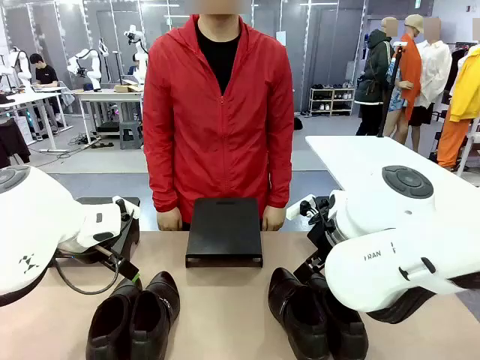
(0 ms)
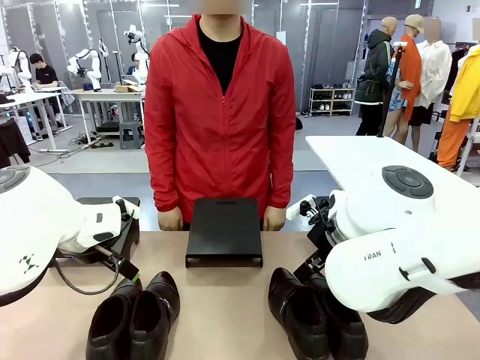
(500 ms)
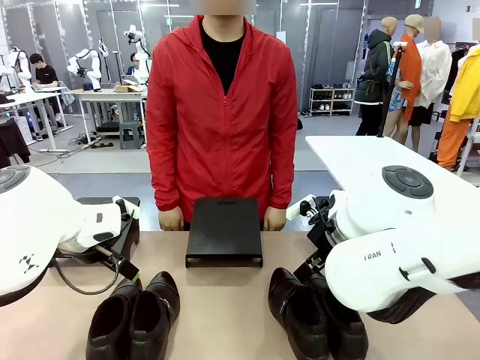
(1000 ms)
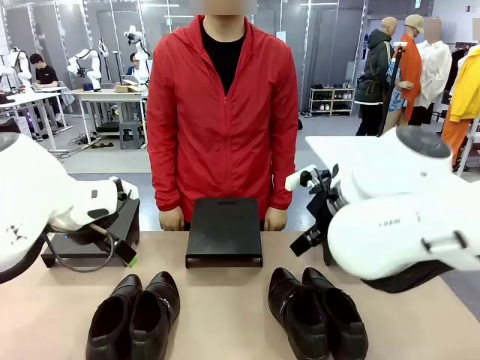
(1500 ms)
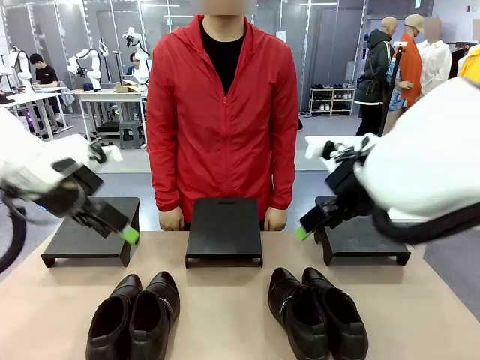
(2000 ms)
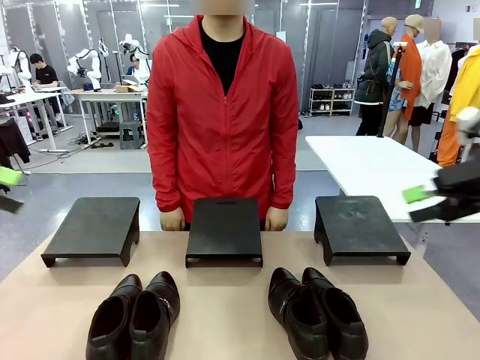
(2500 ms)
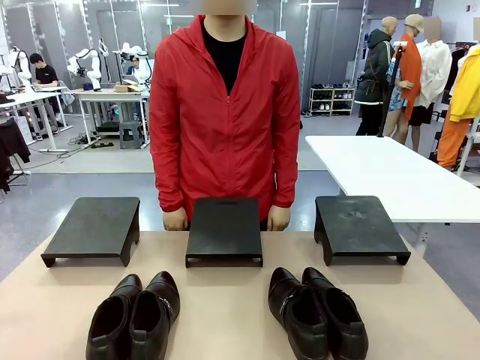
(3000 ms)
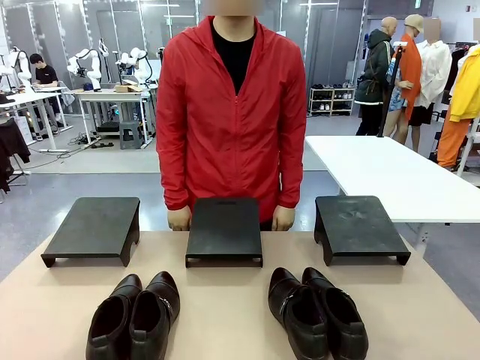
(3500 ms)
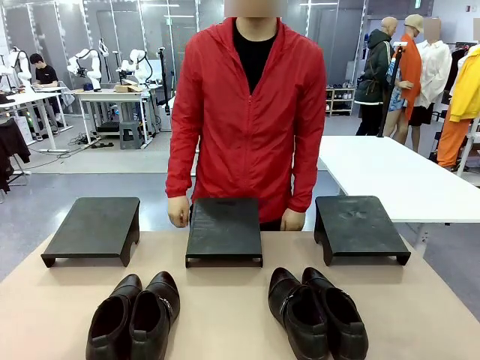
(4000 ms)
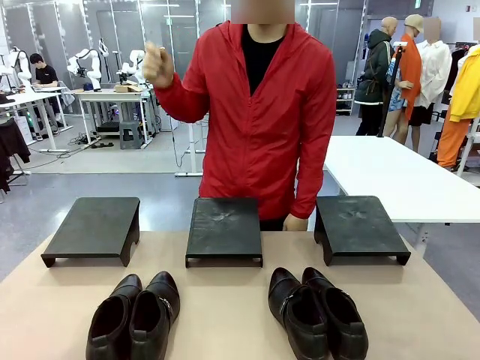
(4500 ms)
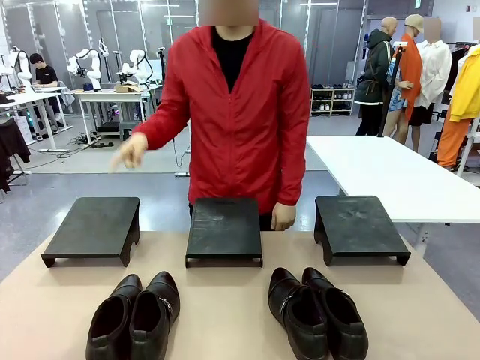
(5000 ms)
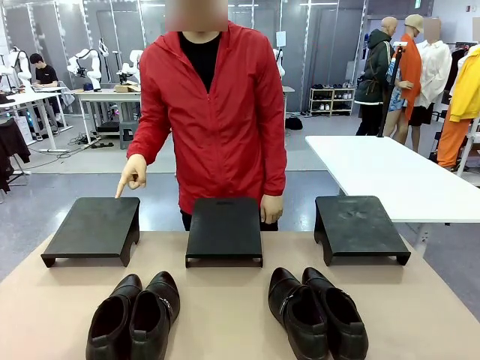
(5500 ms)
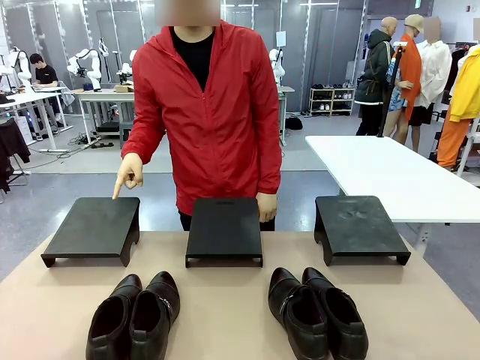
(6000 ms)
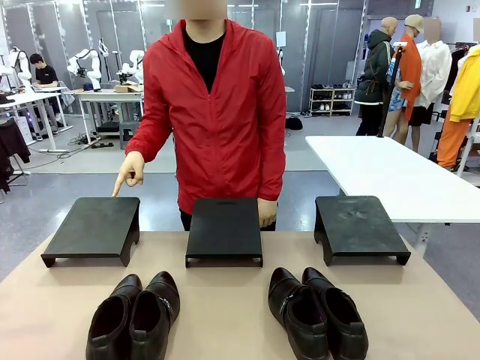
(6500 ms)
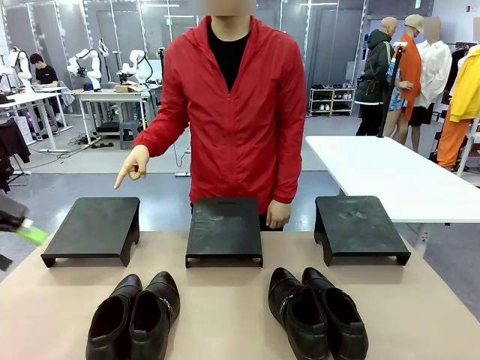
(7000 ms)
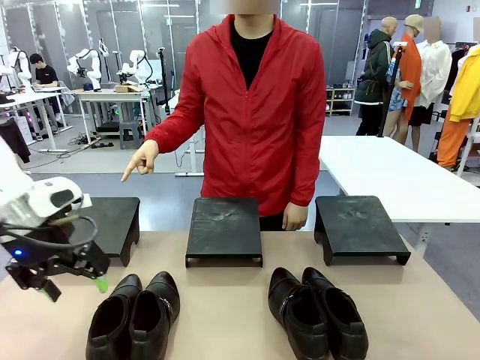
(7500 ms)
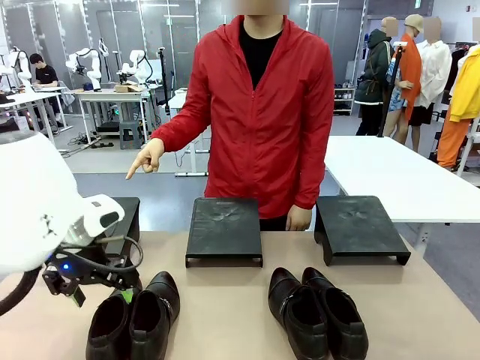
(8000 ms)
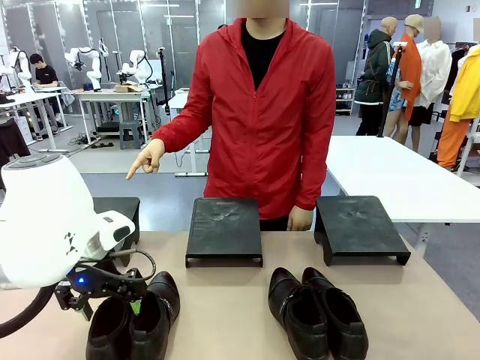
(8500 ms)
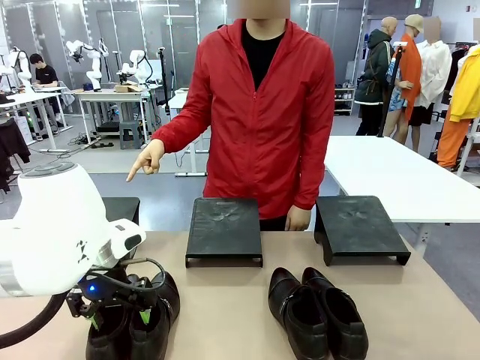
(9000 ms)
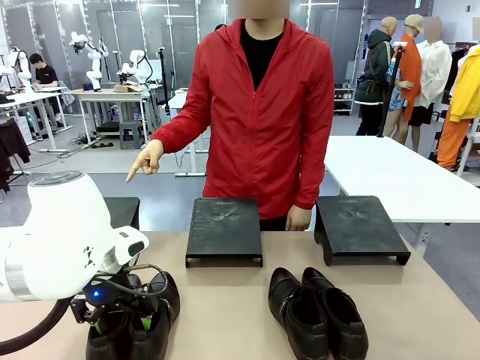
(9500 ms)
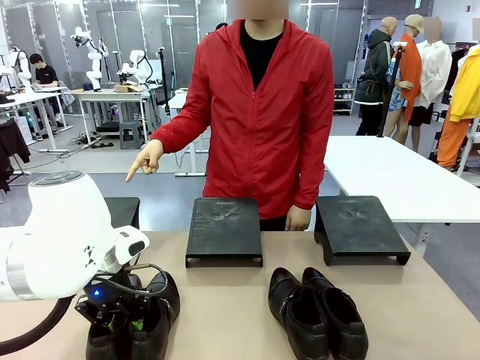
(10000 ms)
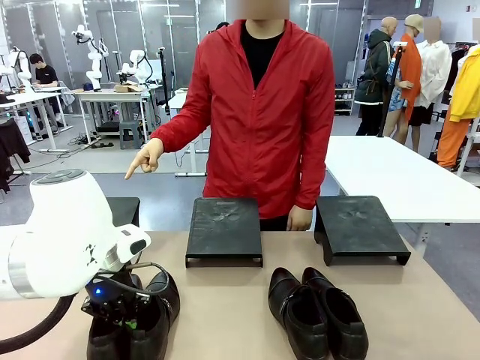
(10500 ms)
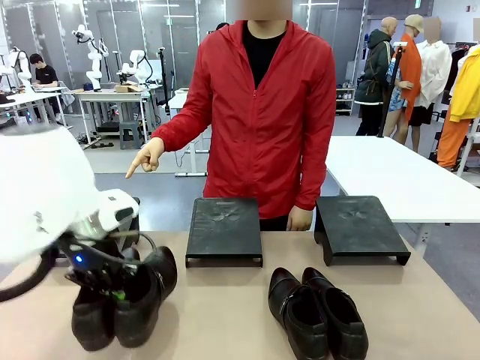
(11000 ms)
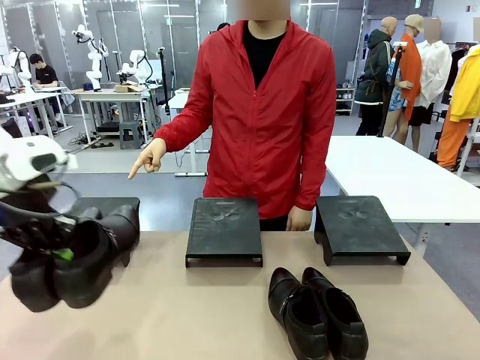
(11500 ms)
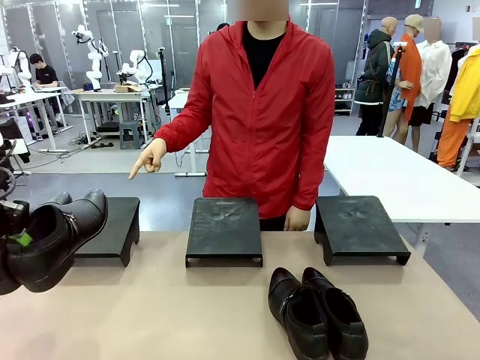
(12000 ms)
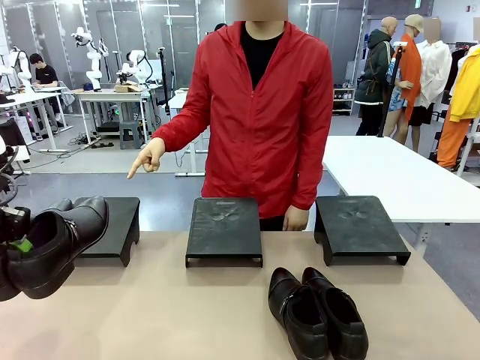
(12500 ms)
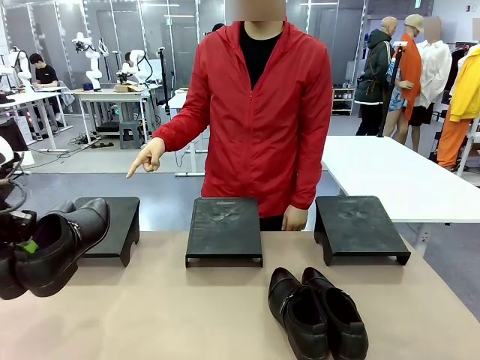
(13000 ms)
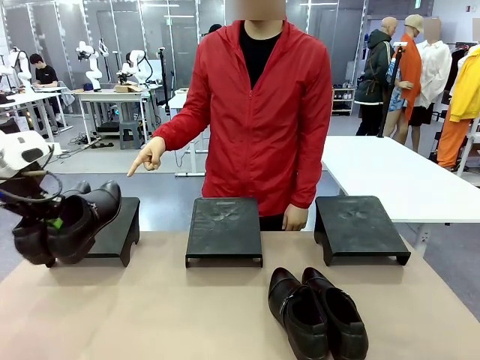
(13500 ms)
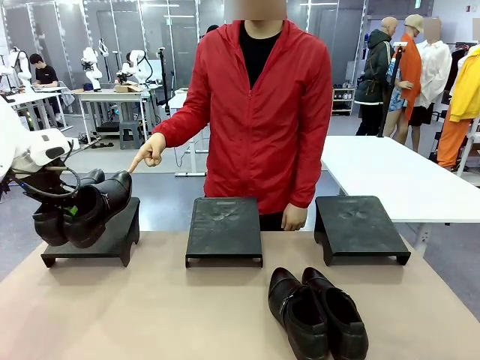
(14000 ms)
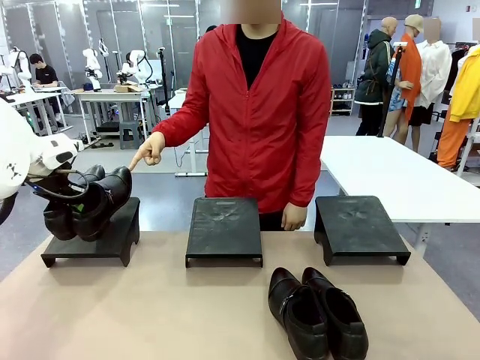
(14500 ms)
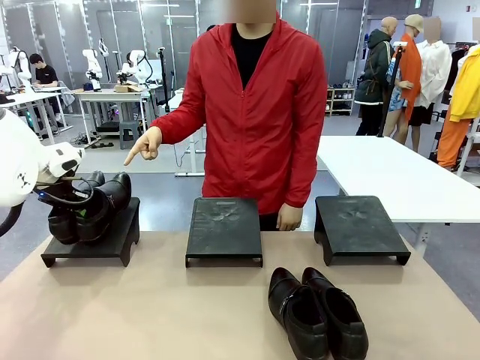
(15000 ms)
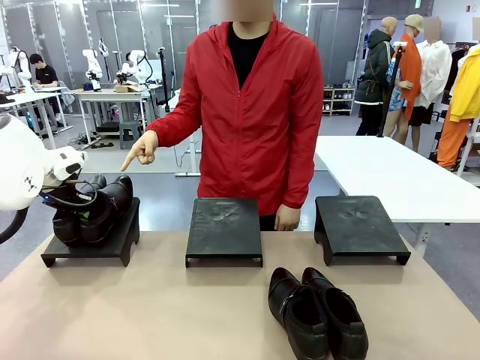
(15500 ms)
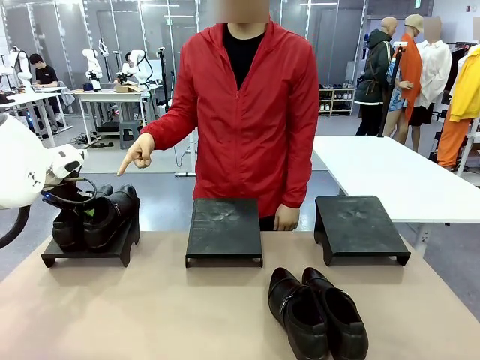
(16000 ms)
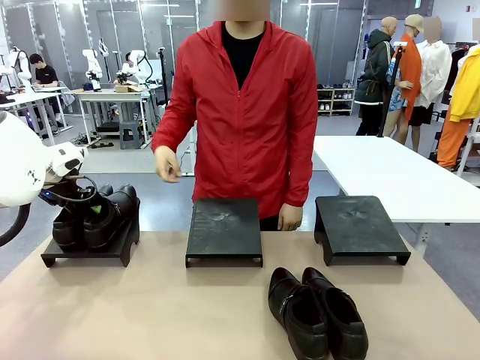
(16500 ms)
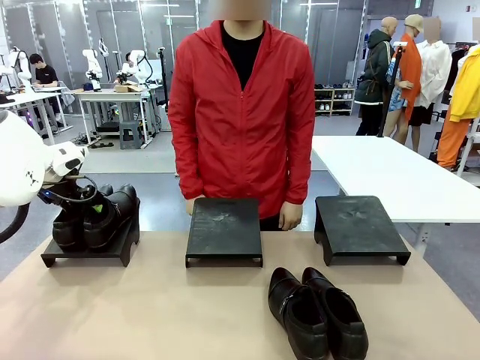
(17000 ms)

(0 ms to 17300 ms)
Task: Place the shoes on the stand as instructed by the person.
Robot: Pick up one pair of Shoes and place it on the Shoes Stand indicated by the person.

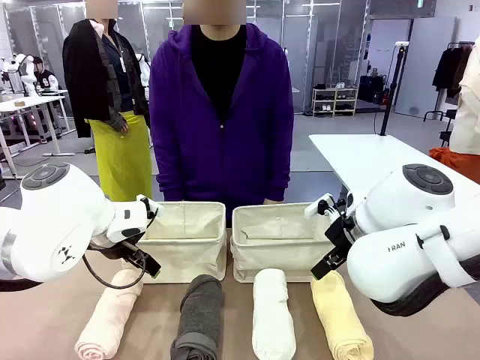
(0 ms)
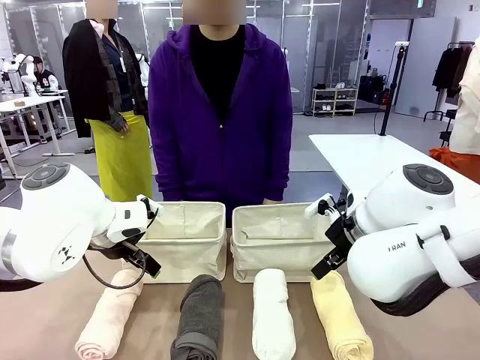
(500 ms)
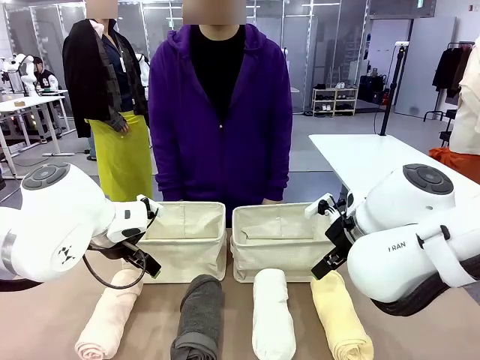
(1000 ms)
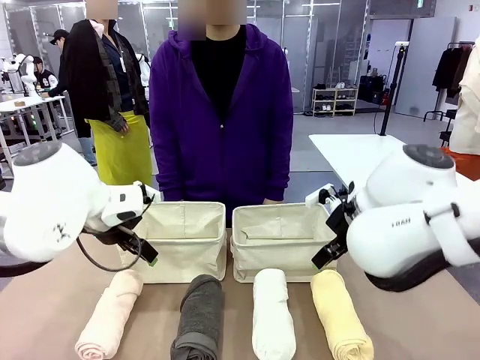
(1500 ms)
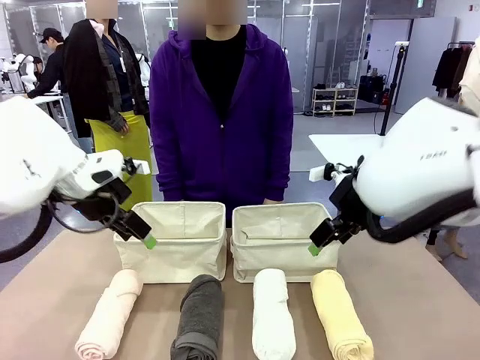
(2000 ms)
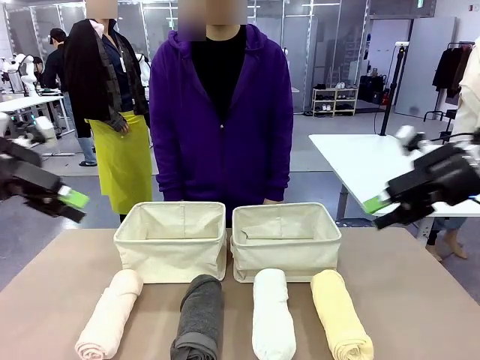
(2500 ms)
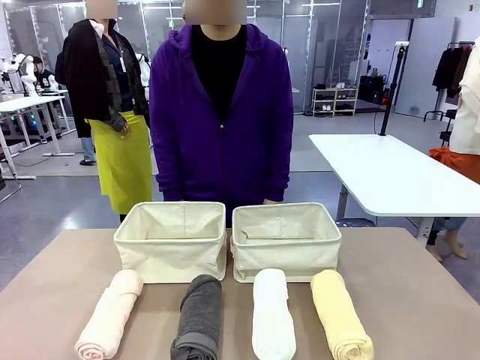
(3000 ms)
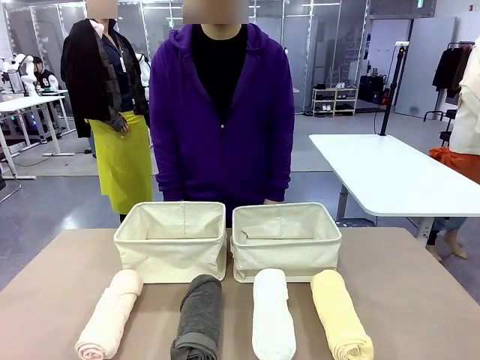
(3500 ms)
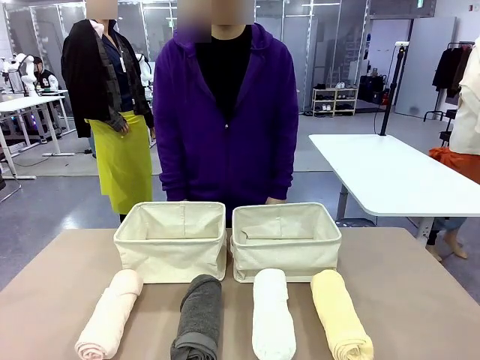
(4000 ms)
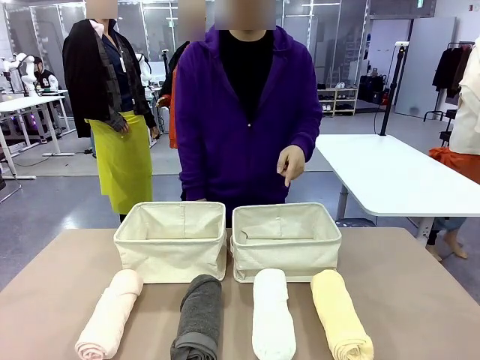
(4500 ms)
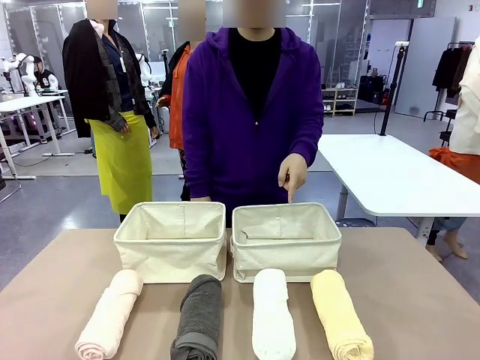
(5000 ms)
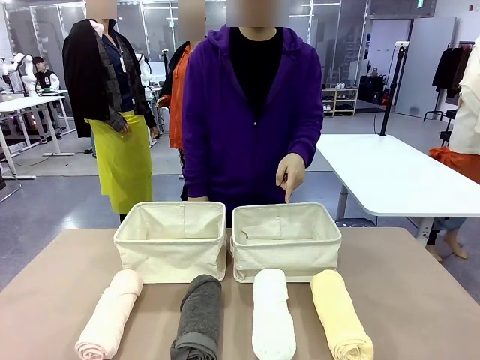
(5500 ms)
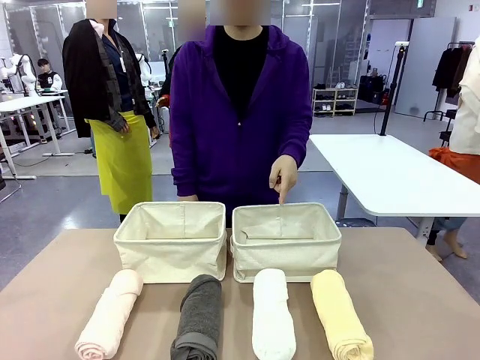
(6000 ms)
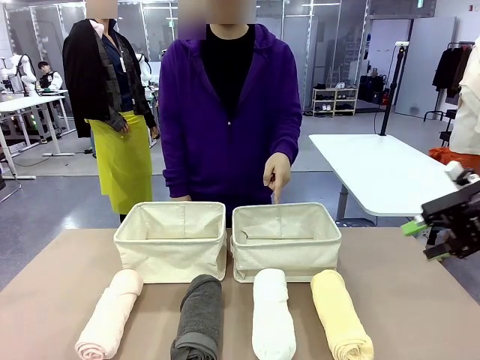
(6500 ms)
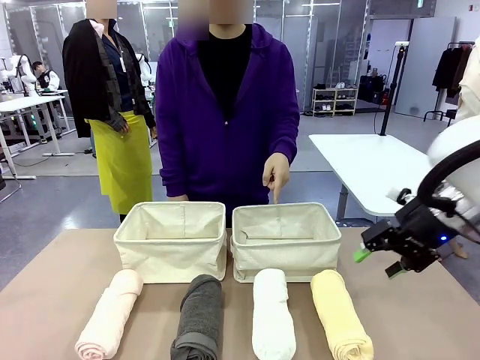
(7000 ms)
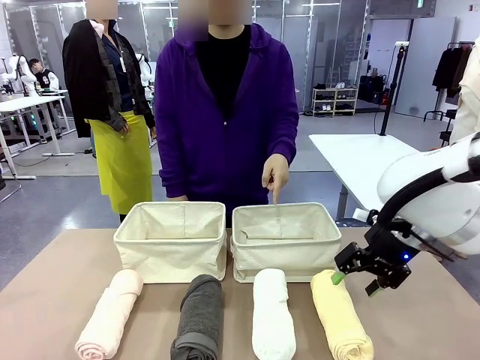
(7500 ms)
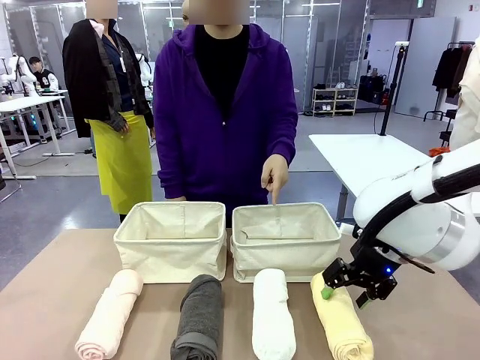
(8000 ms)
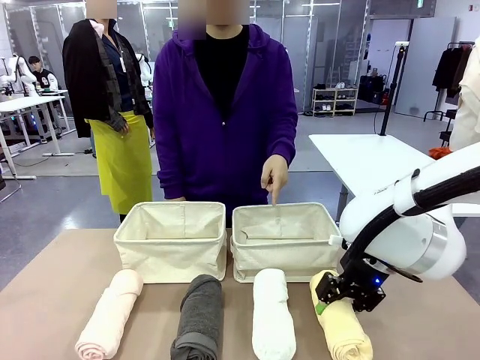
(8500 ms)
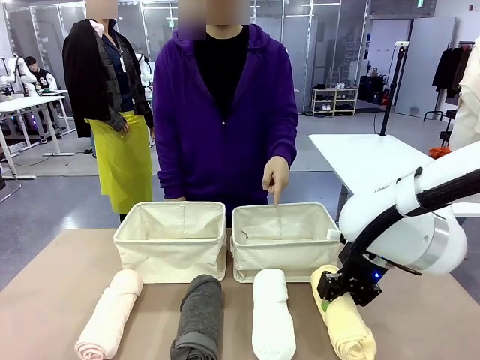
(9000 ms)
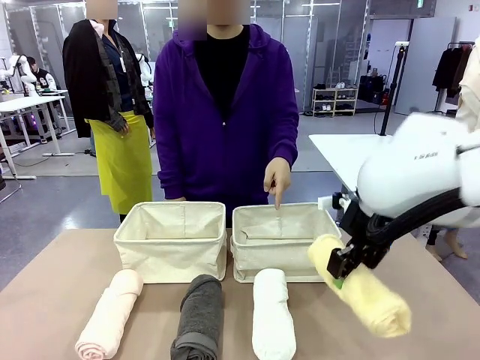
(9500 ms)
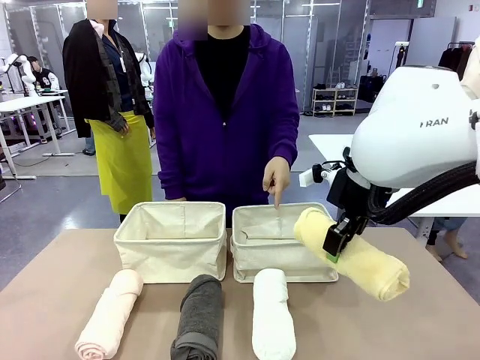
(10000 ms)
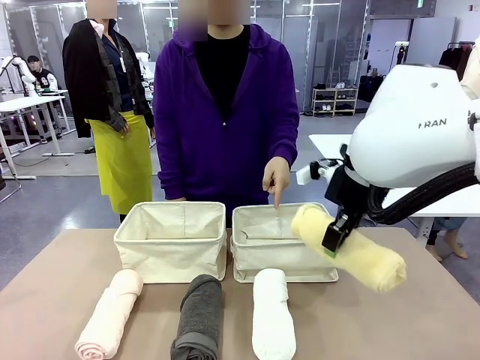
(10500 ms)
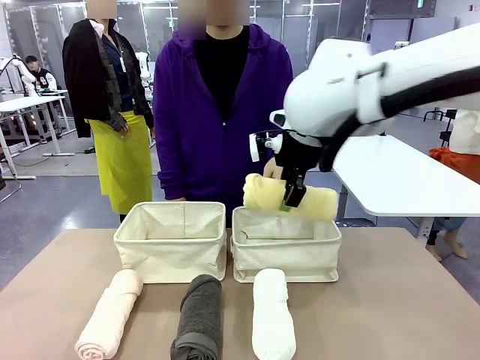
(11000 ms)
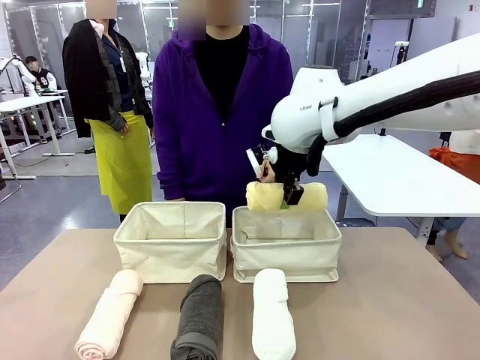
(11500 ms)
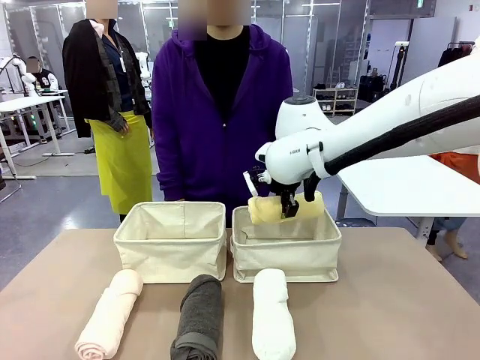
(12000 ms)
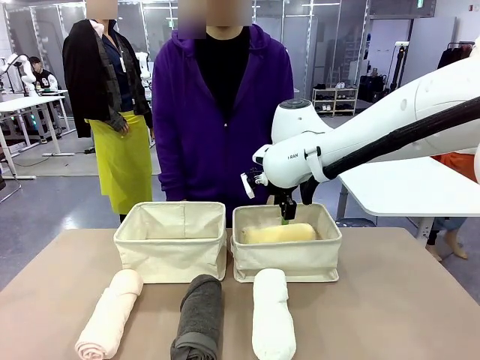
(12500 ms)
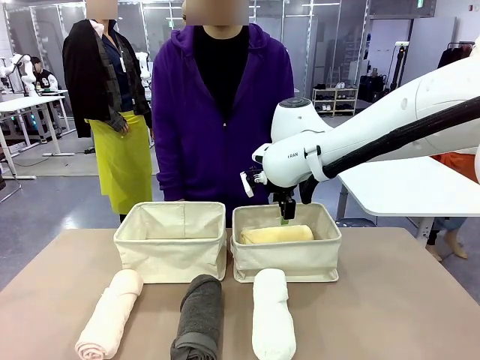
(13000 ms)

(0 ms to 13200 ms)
Task: Divide the towels into two baskets.
Robot: Pick up one hotel-folded towel and place it in the Fabric basket indicated by the person.
